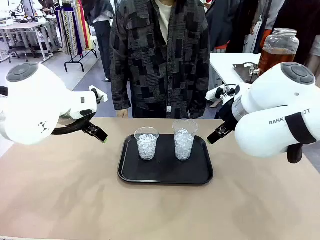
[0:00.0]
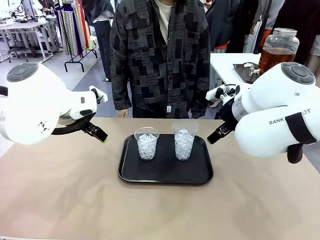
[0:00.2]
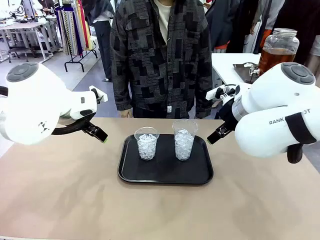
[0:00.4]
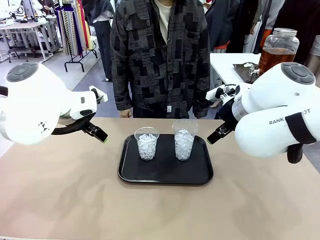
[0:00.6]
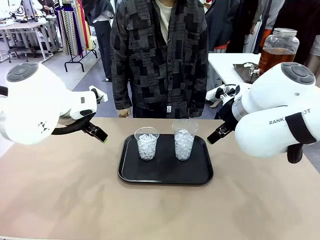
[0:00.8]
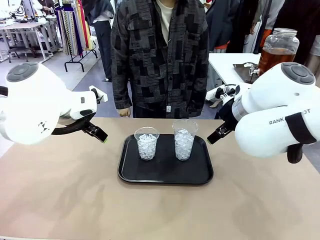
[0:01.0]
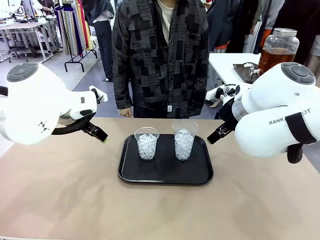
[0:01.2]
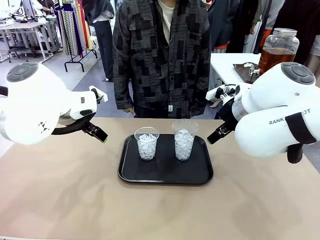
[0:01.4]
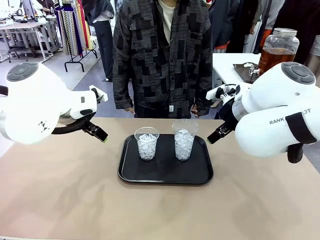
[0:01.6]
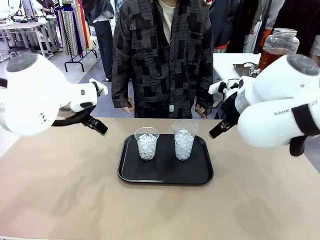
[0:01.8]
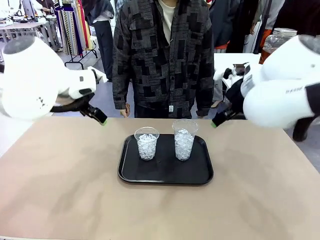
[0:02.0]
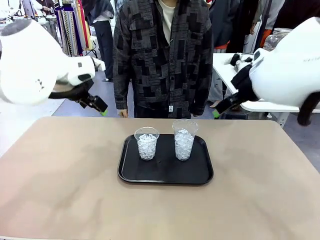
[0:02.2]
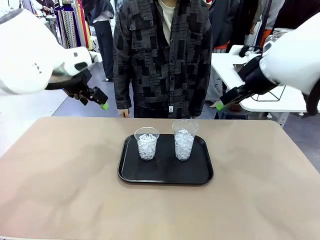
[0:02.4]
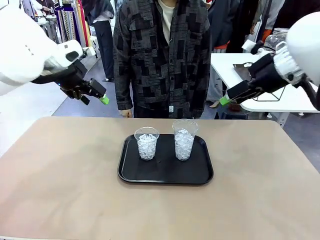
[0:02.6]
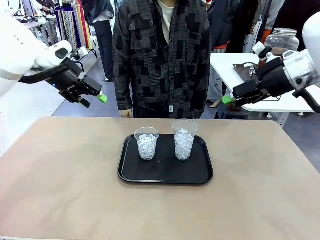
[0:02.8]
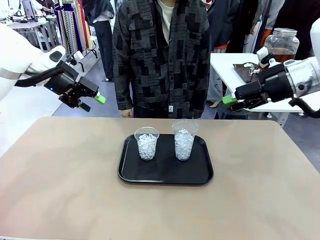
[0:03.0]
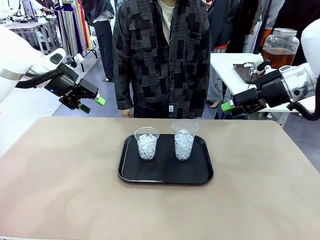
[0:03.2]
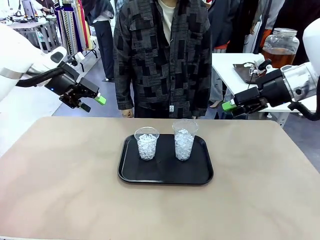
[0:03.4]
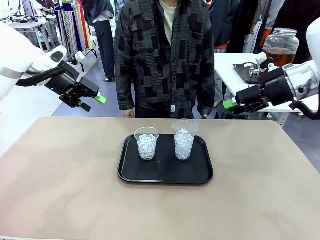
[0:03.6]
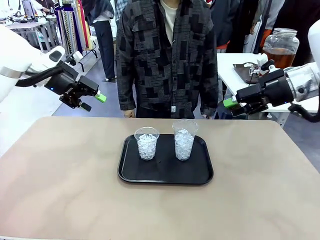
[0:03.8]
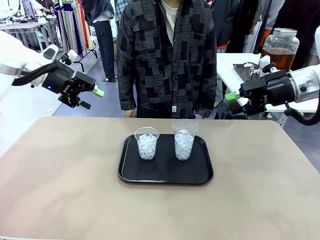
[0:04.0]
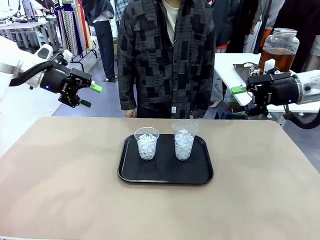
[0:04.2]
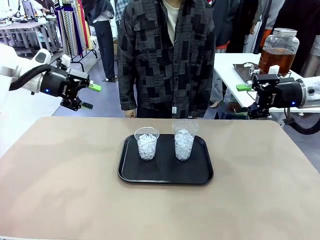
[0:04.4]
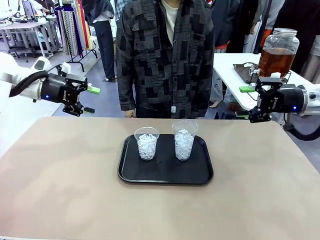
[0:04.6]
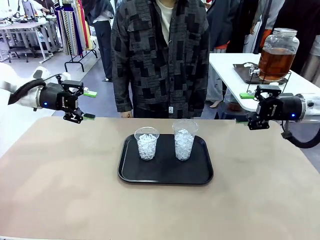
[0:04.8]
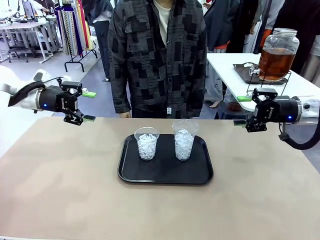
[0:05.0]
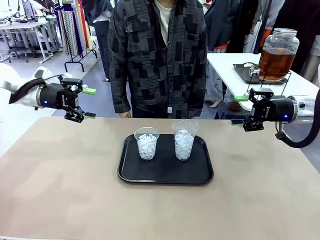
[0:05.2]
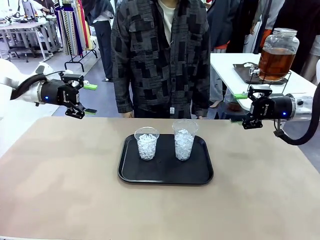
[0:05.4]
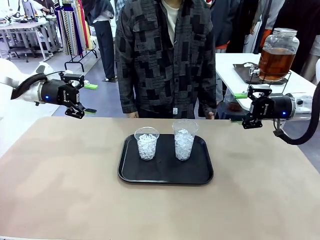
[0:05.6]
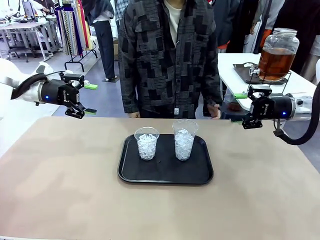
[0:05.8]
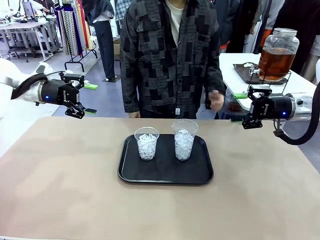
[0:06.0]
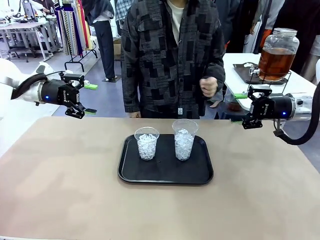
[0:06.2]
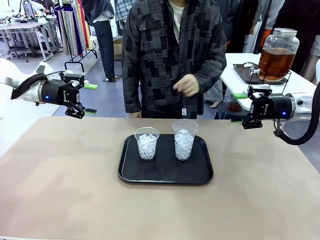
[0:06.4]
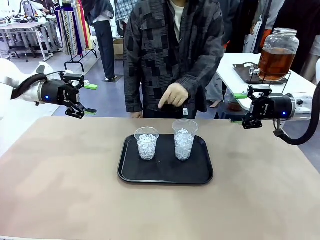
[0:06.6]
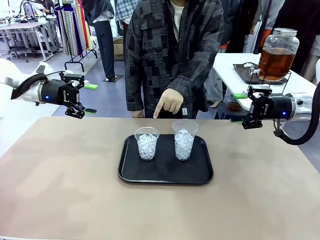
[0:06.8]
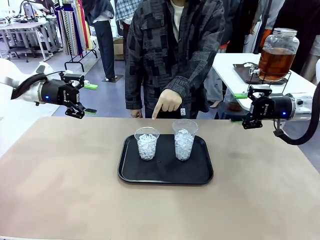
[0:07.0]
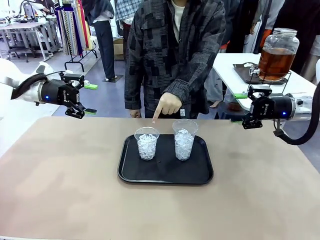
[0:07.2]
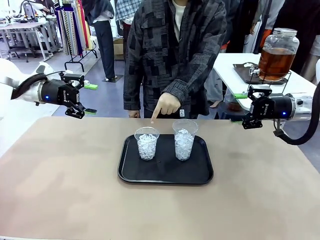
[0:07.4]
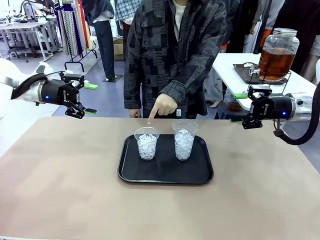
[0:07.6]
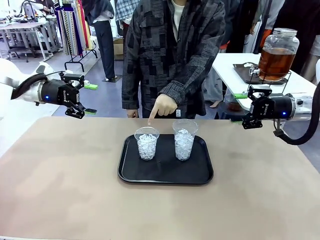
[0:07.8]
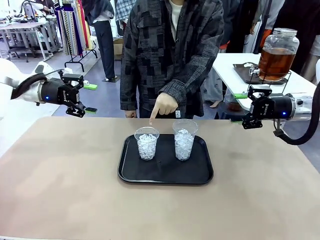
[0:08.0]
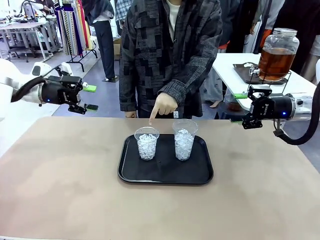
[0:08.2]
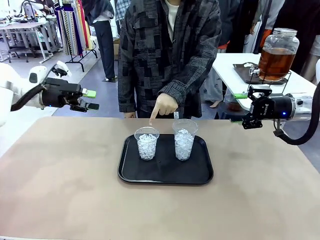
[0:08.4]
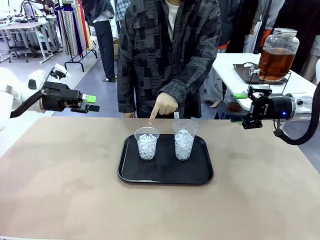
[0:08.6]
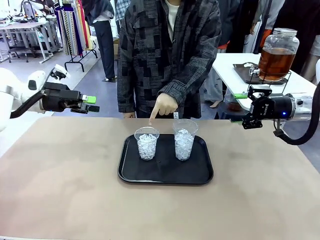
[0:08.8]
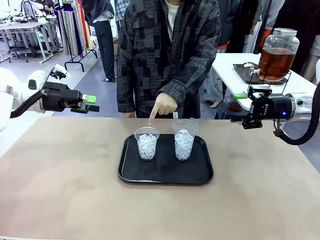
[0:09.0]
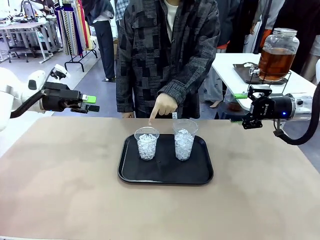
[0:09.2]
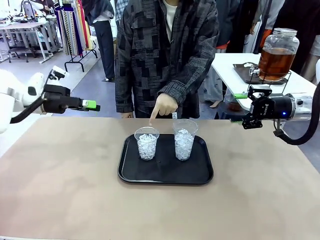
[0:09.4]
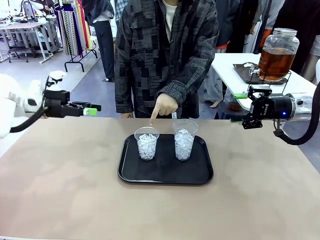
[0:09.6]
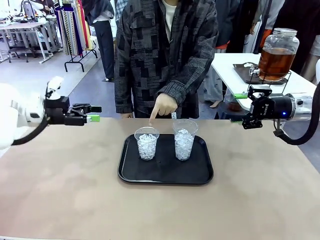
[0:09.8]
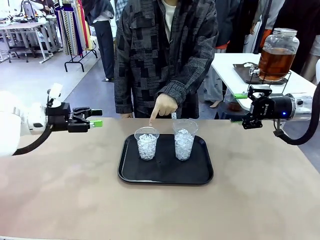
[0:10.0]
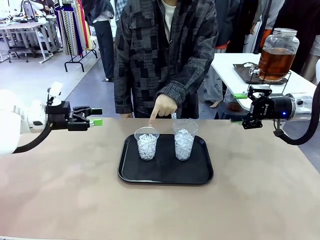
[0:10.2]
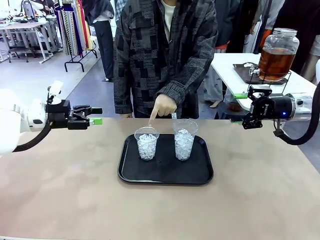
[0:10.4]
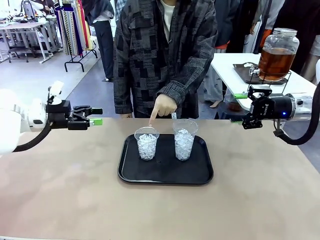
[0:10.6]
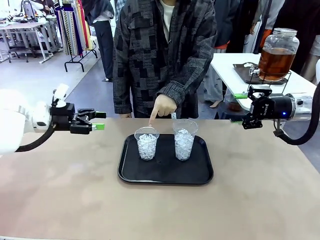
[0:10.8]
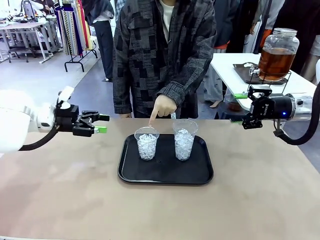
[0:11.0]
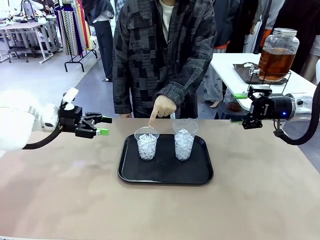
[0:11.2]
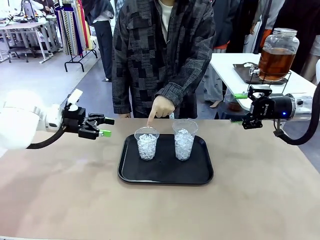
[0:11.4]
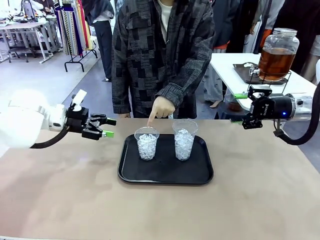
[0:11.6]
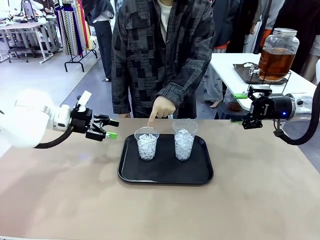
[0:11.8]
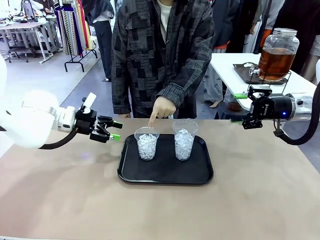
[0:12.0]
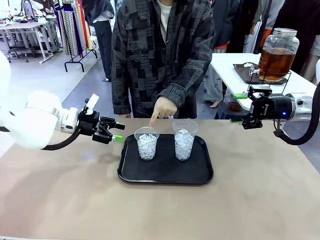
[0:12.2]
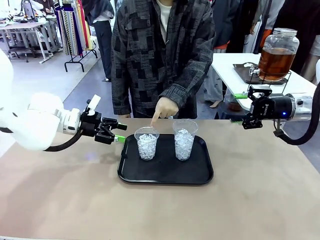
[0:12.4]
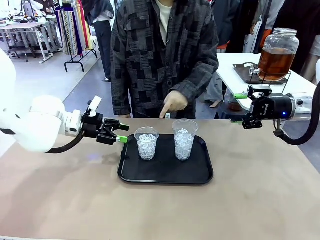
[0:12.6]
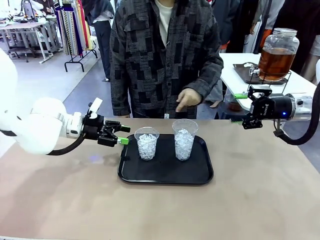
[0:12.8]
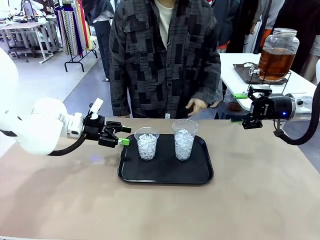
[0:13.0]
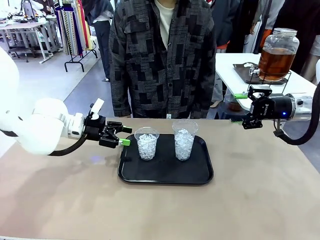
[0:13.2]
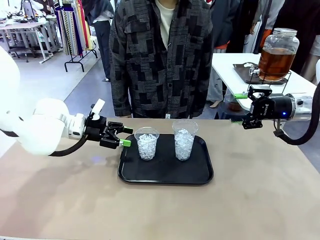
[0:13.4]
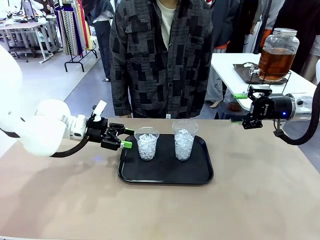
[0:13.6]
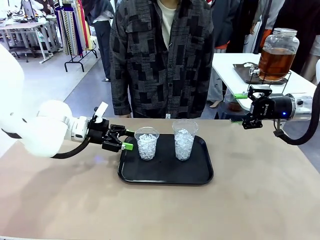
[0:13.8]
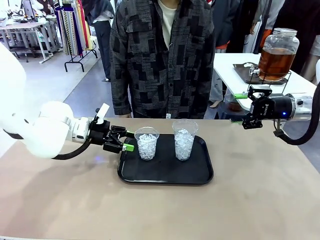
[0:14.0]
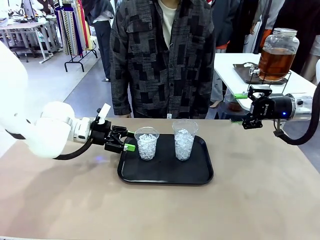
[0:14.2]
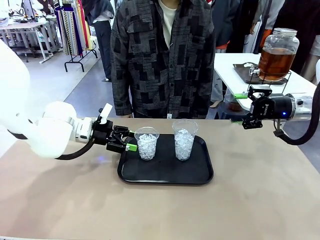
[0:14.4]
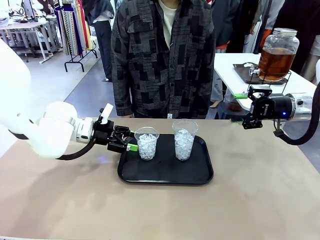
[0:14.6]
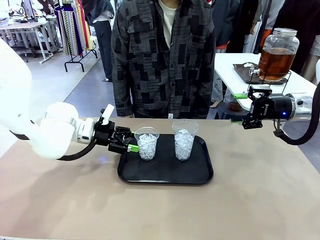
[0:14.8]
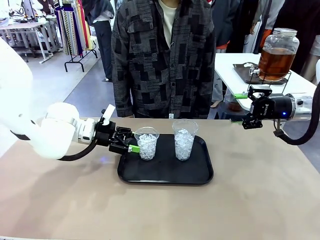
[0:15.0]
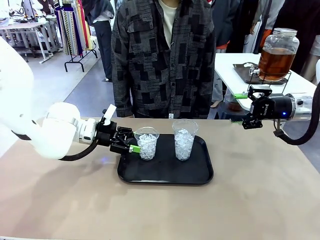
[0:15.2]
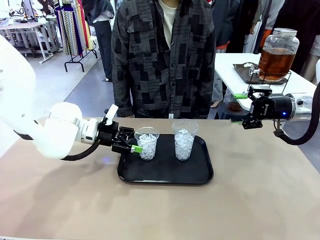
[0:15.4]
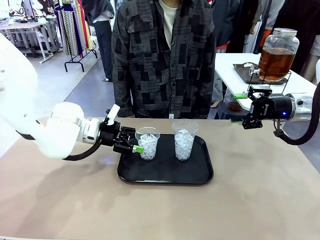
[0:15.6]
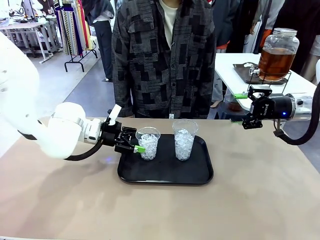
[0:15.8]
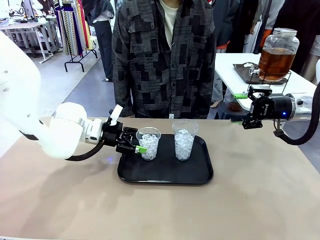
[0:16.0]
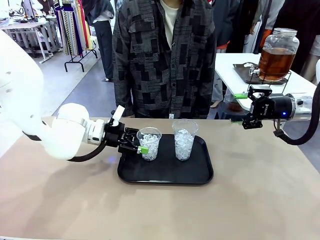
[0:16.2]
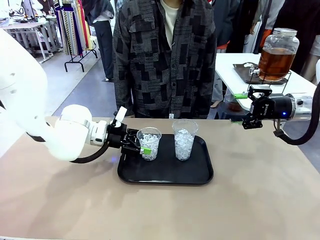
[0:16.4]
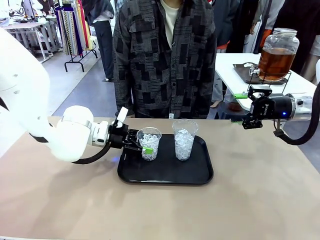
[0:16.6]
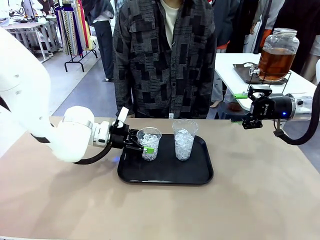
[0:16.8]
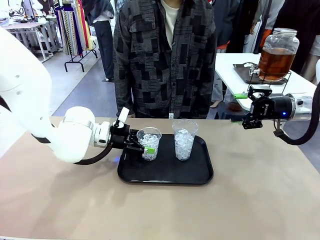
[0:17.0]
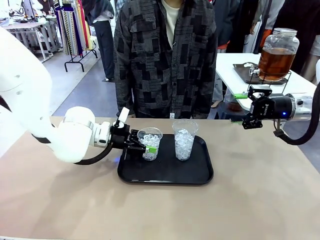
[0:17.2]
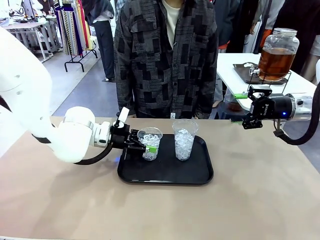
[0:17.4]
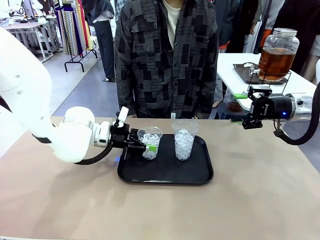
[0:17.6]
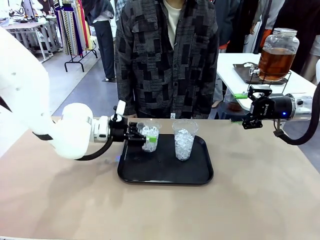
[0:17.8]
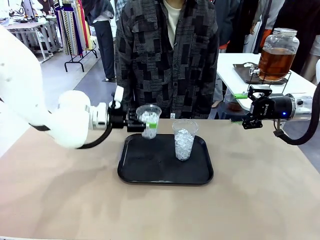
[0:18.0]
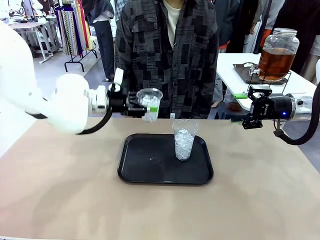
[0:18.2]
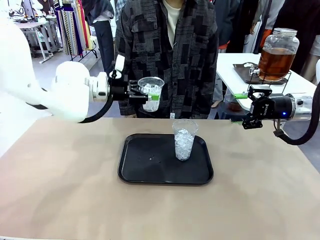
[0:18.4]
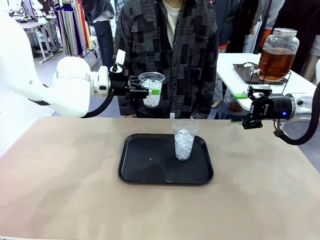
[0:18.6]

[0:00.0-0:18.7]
Task: Pour the drink into the iced cup.
Robot: Pick up the iced cup indicated by the human and present it to them.
Person: Point to one of the two ice cups. Pick up the cup offered by the robot.

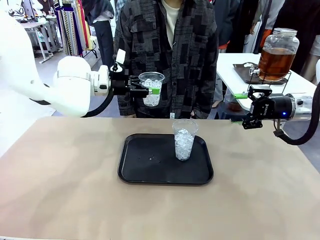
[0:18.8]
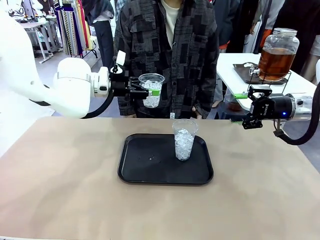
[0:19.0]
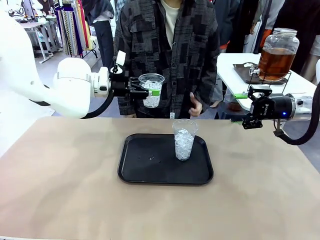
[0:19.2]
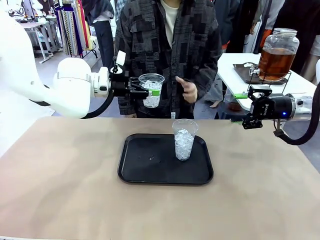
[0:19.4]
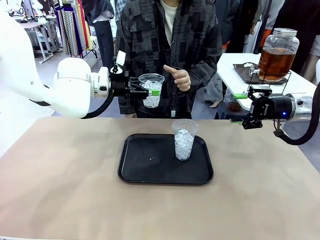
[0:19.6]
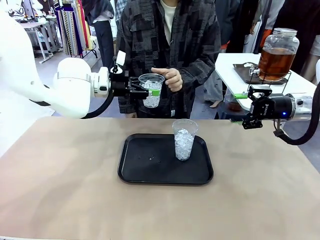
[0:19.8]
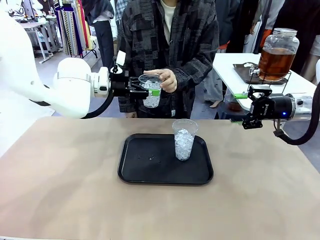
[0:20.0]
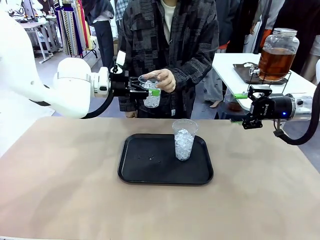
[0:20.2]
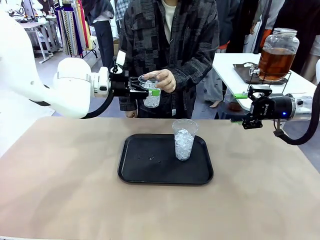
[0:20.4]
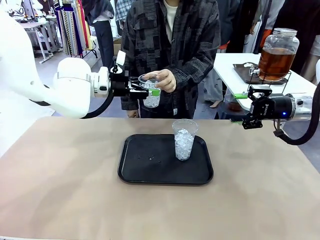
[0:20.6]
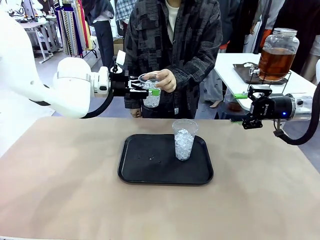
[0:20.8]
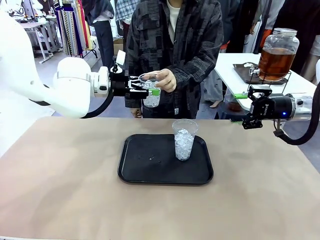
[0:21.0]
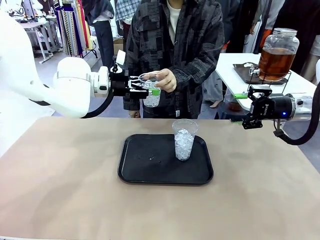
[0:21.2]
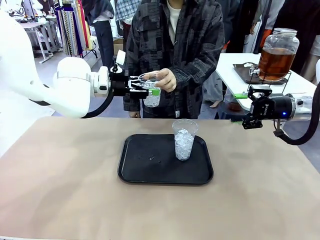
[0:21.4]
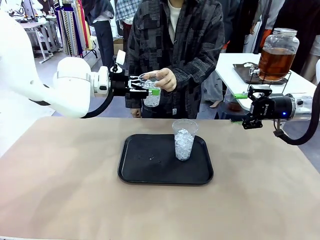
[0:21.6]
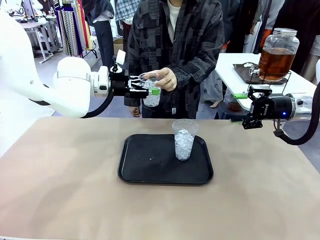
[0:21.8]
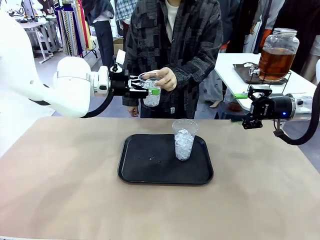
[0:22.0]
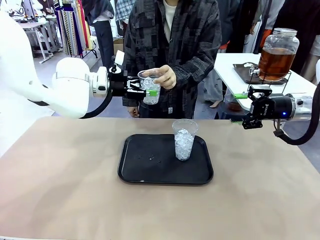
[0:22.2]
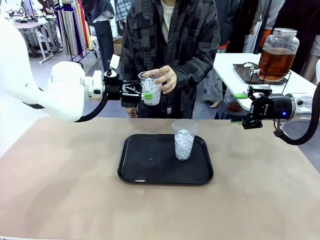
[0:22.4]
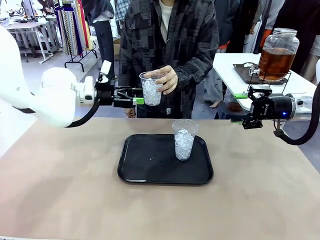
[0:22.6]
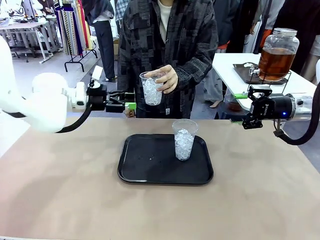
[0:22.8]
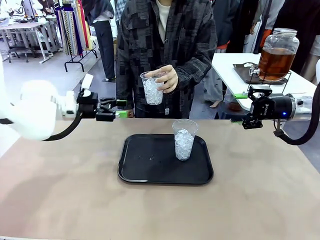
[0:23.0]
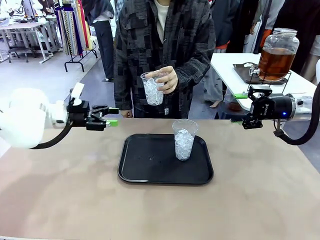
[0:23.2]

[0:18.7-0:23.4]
Robot: Open the gripper to release the iced cup you were holding.
